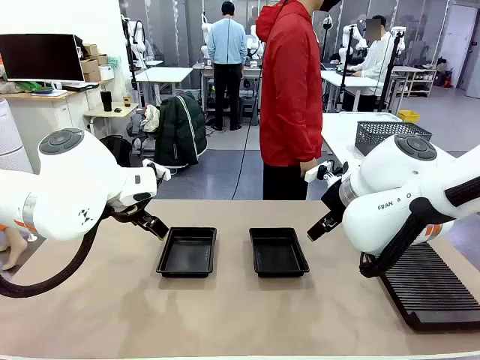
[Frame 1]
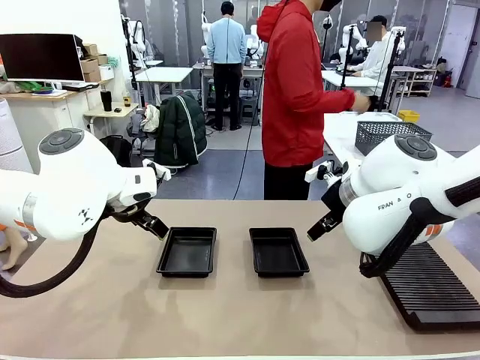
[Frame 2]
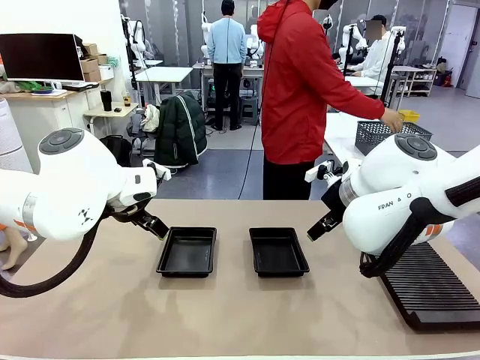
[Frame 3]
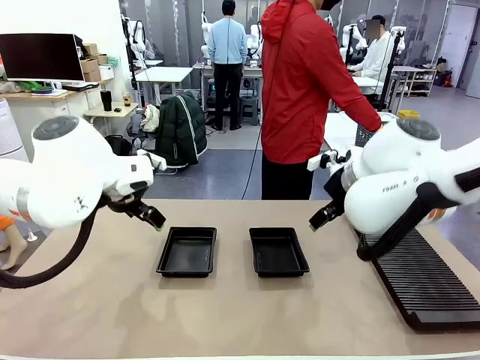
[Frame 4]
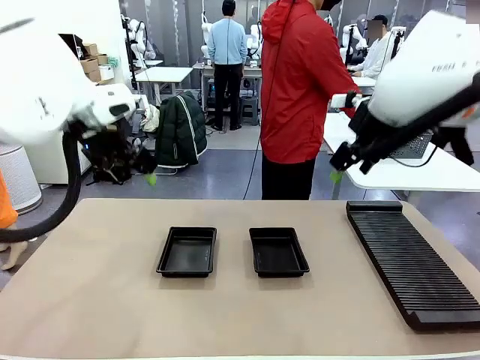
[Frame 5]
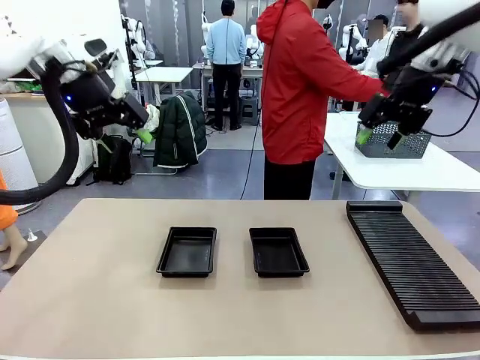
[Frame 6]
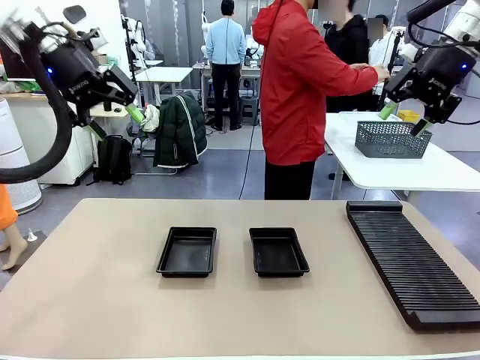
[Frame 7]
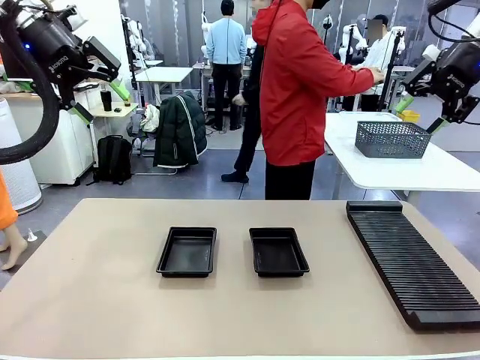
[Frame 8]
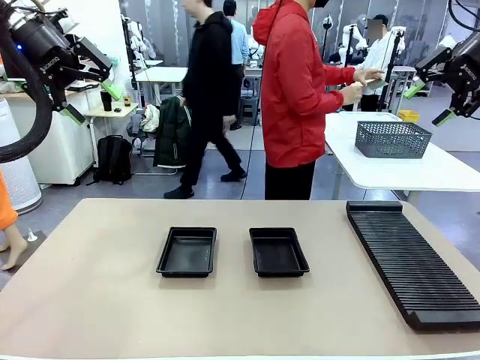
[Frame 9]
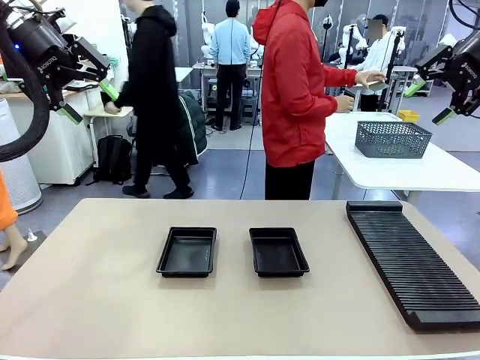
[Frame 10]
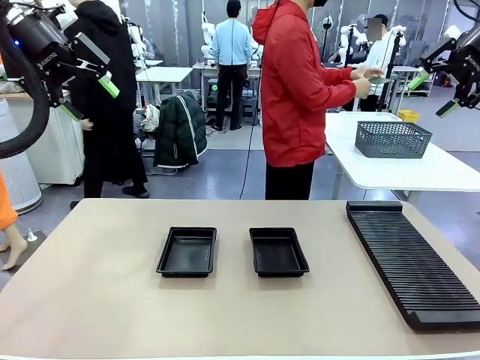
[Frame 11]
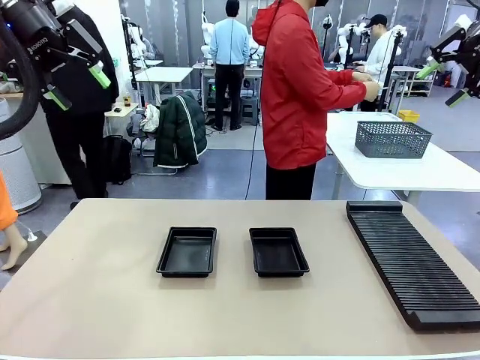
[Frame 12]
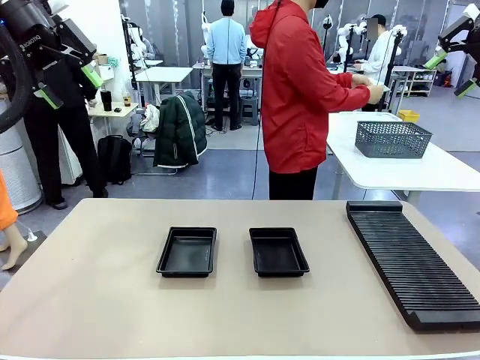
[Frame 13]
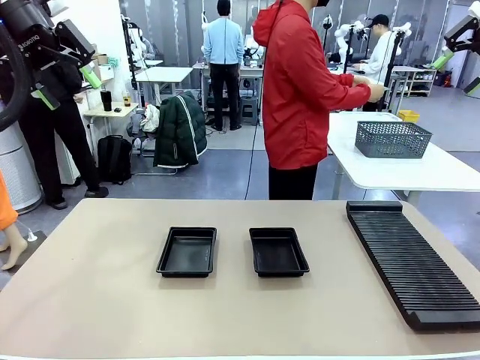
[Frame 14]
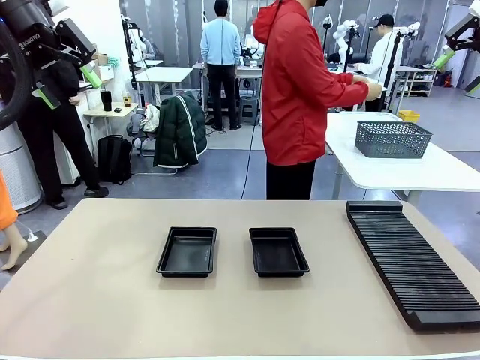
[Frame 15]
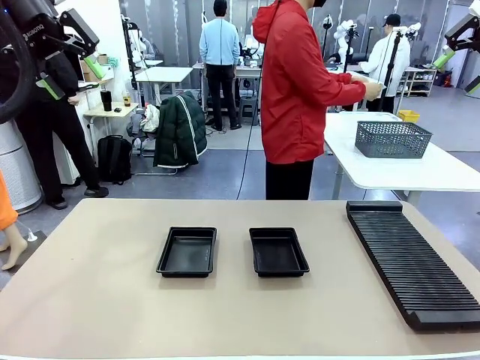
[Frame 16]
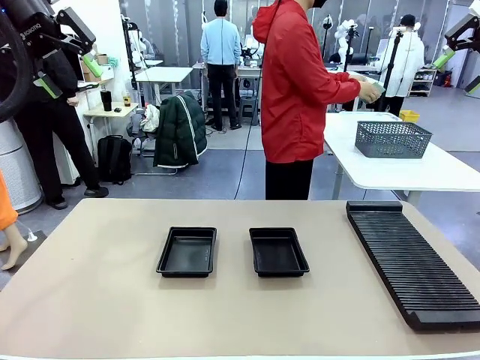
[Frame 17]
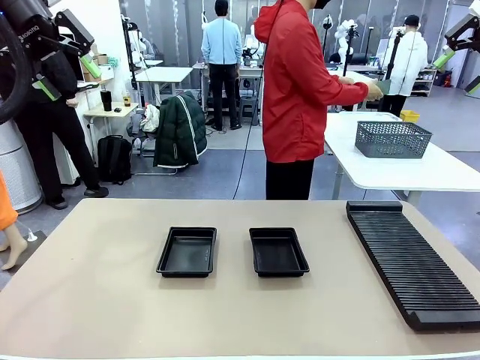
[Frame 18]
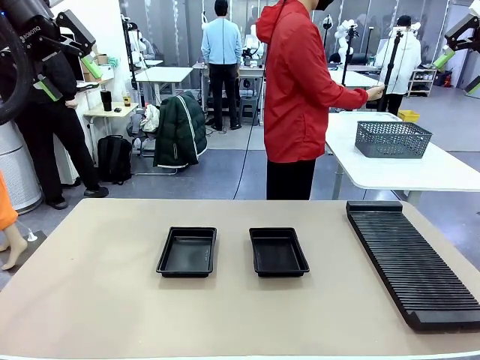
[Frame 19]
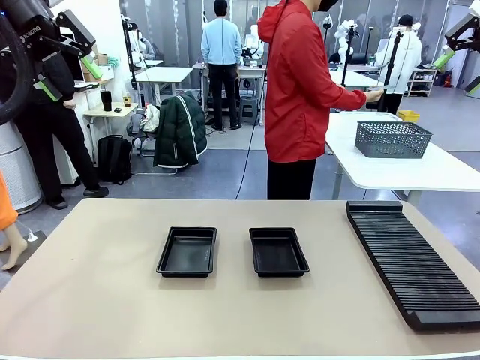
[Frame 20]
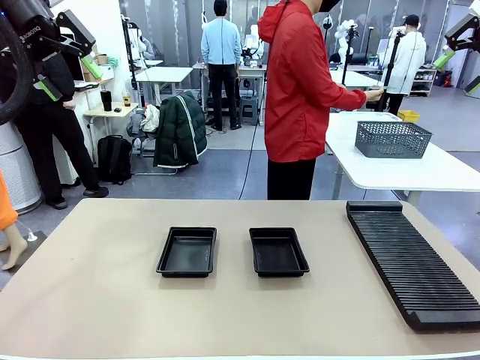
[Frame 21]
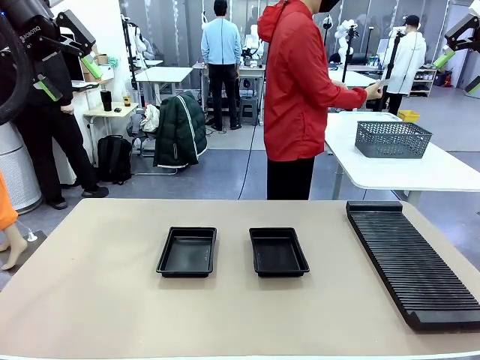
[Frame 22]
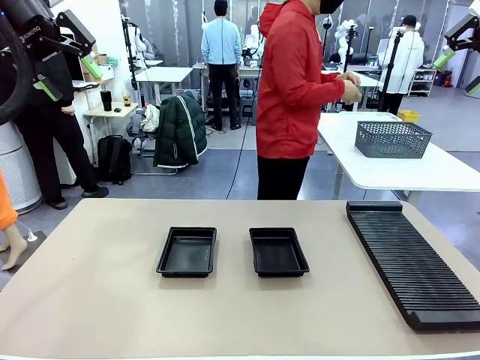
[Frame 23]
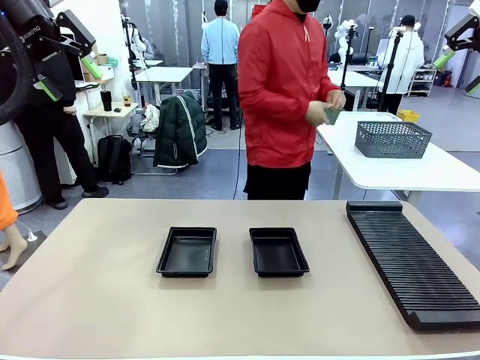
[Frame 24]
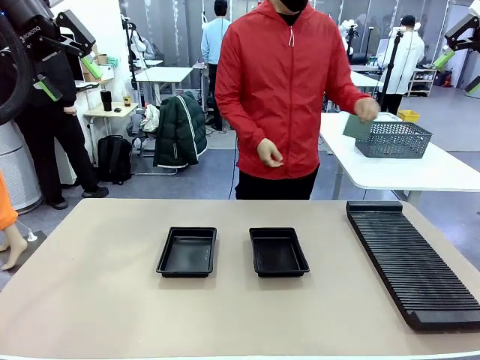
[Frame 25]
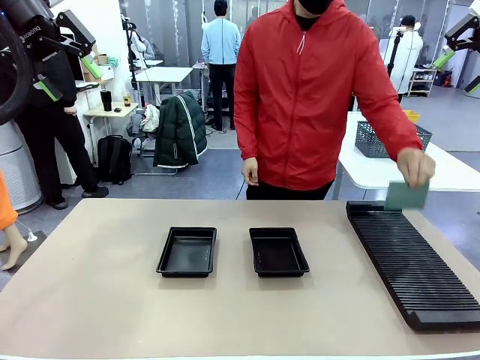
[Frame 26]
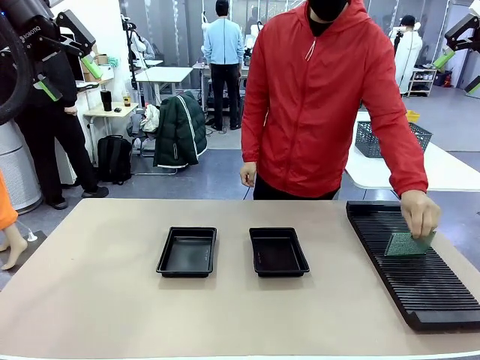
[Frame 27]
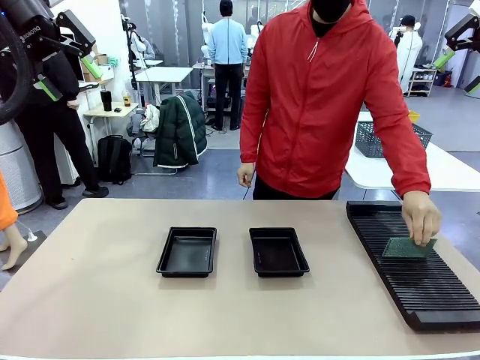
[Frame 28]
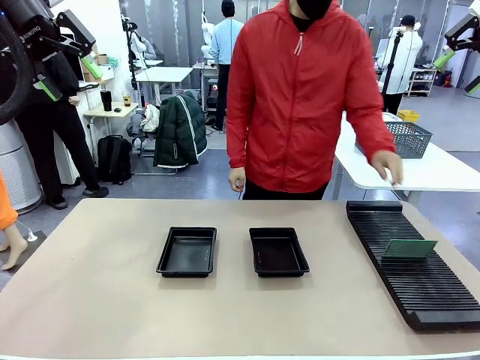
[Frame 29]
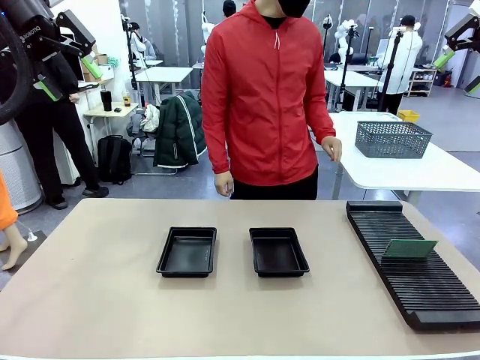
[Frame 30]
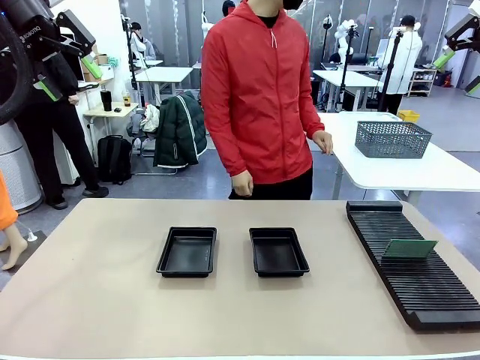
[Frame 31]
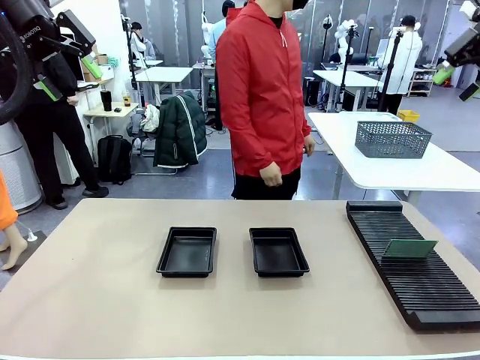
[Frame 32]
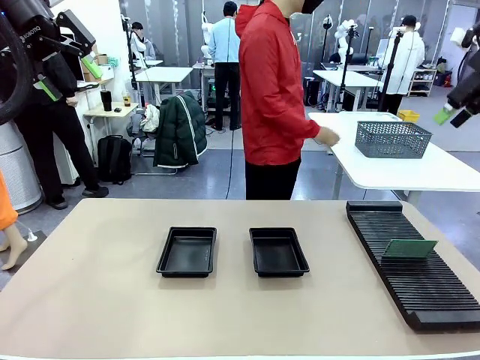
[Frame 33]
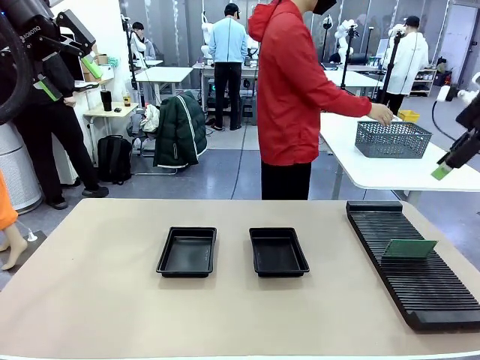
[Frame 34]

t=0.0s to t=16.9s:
Task: Inspect and transfer BCBs to ESD trays.
Robot: Pick up the Blank PCB from the PCB Rack and place it in the left ESD tray.
